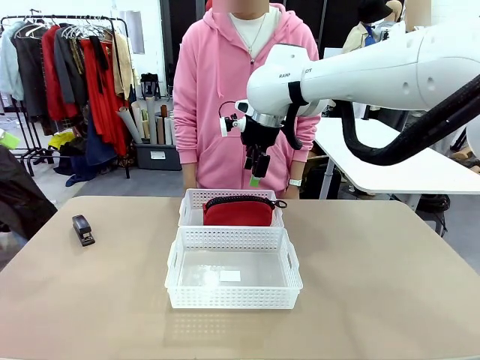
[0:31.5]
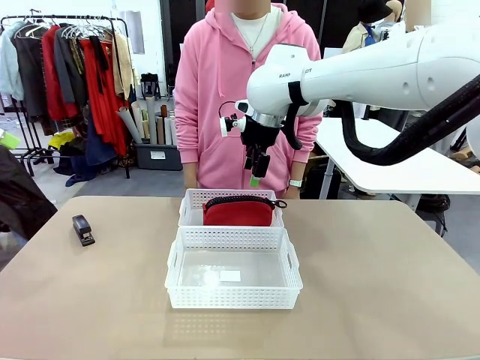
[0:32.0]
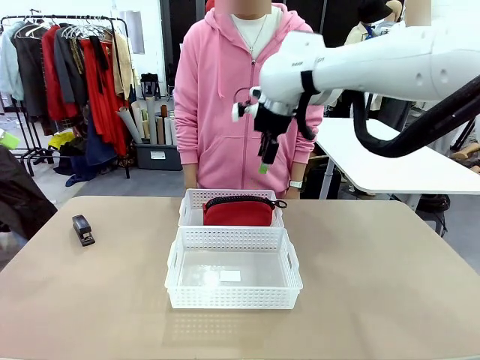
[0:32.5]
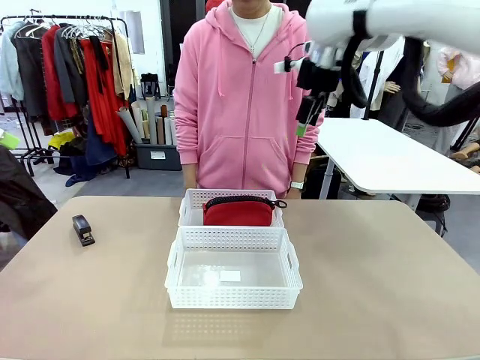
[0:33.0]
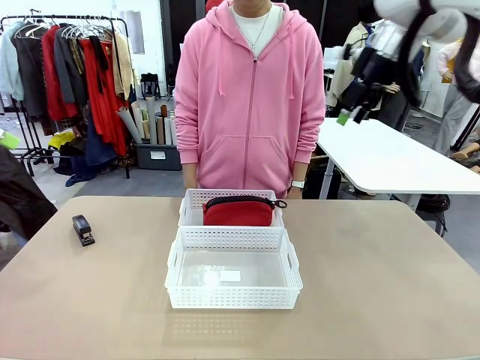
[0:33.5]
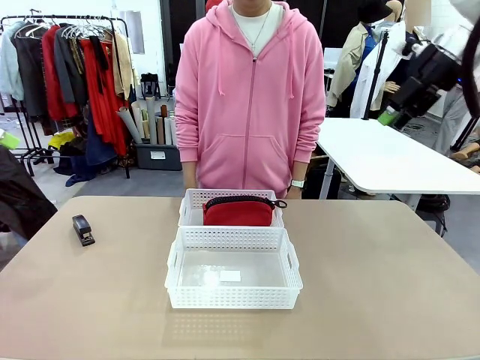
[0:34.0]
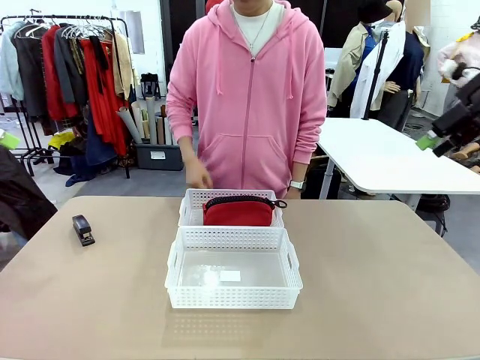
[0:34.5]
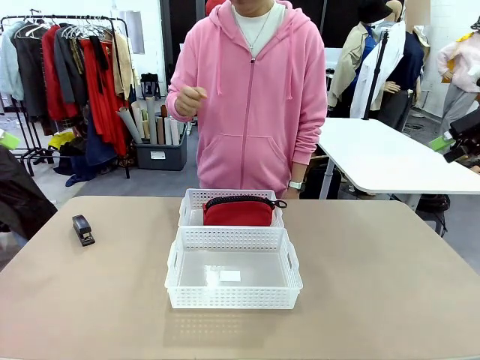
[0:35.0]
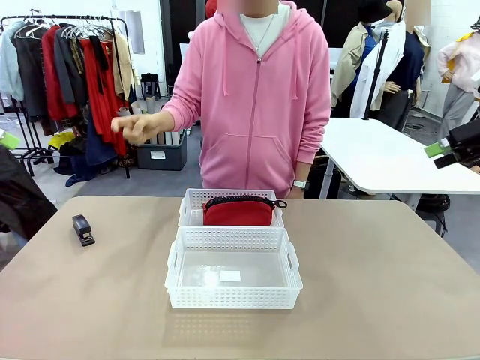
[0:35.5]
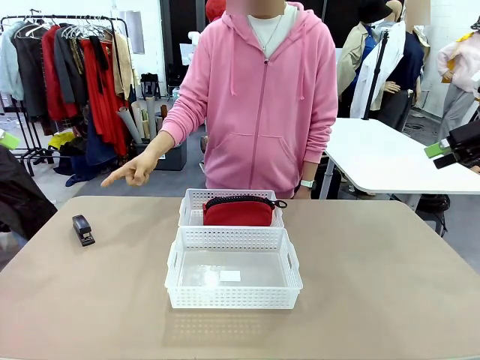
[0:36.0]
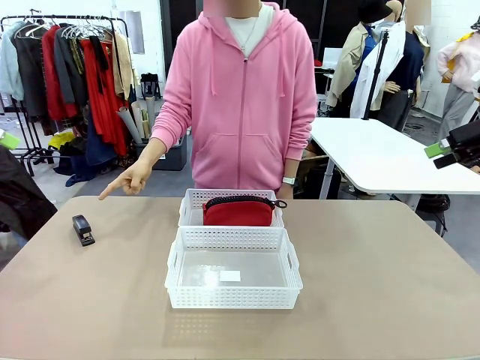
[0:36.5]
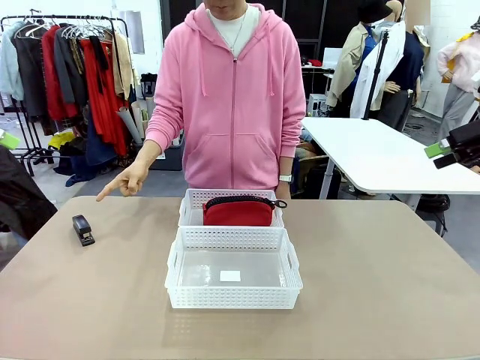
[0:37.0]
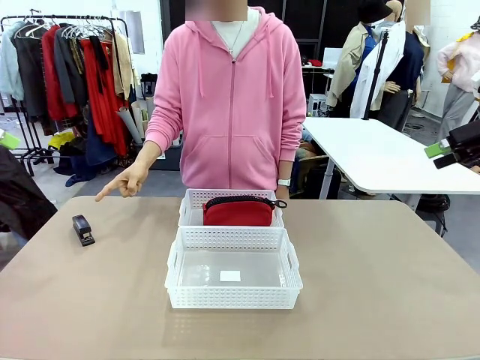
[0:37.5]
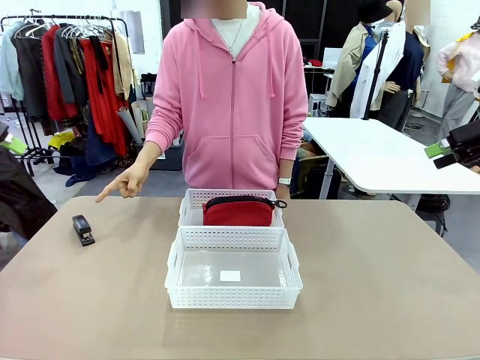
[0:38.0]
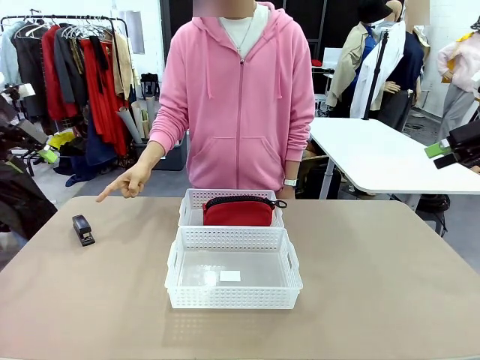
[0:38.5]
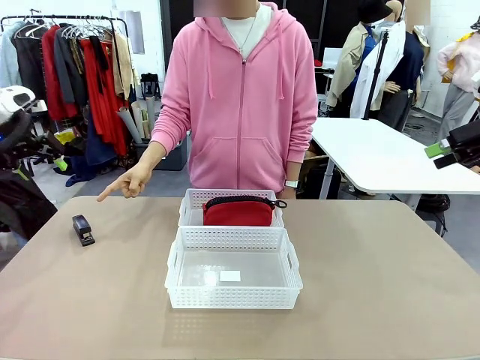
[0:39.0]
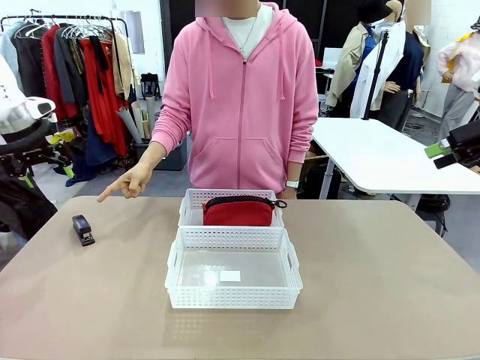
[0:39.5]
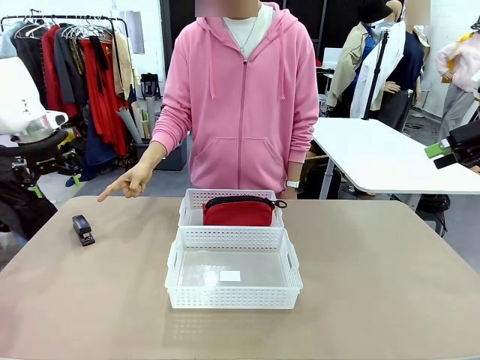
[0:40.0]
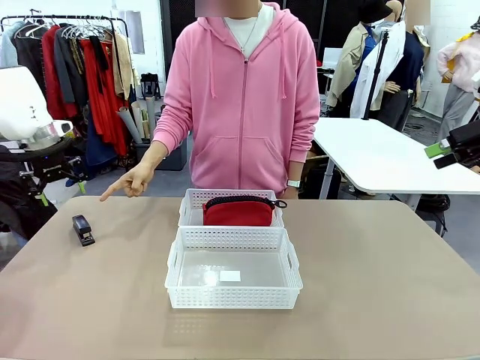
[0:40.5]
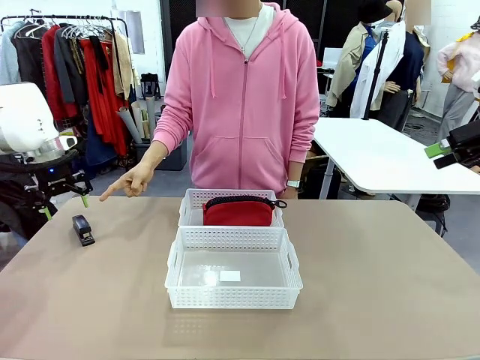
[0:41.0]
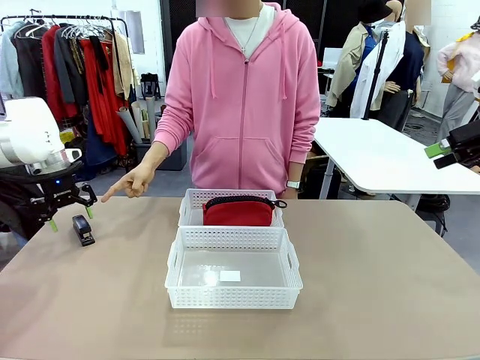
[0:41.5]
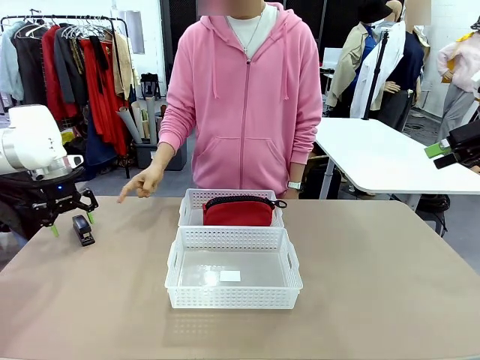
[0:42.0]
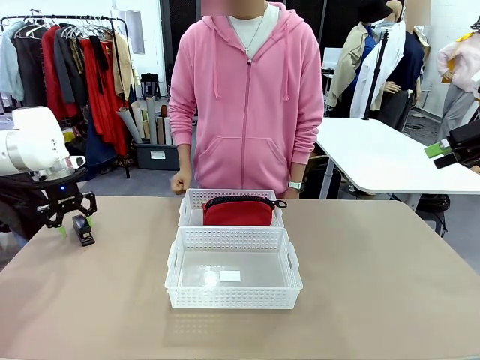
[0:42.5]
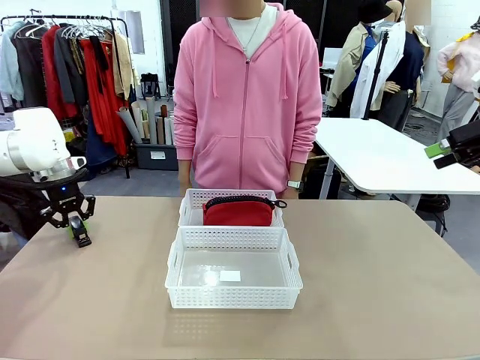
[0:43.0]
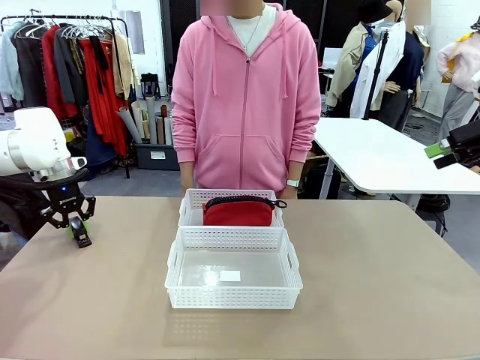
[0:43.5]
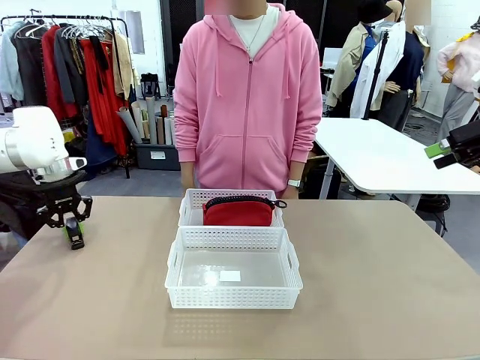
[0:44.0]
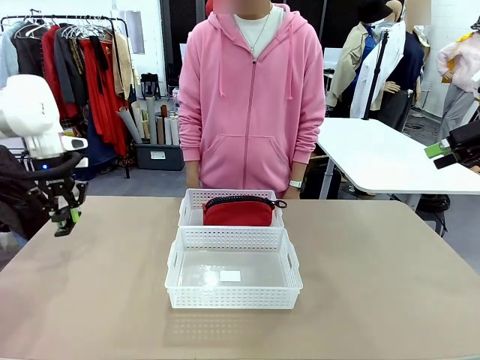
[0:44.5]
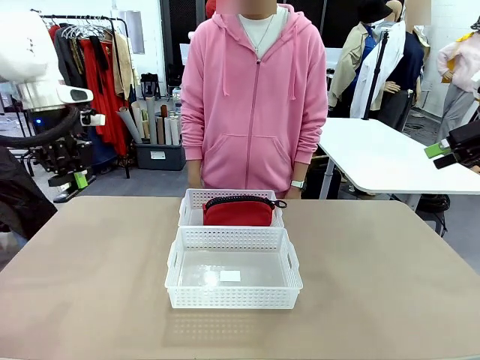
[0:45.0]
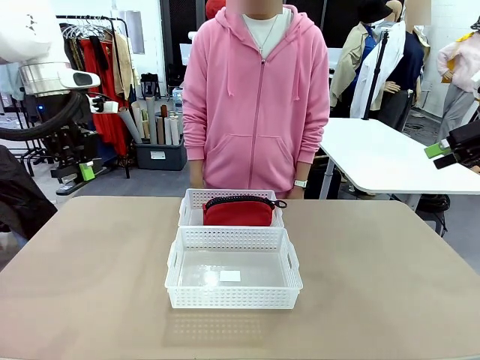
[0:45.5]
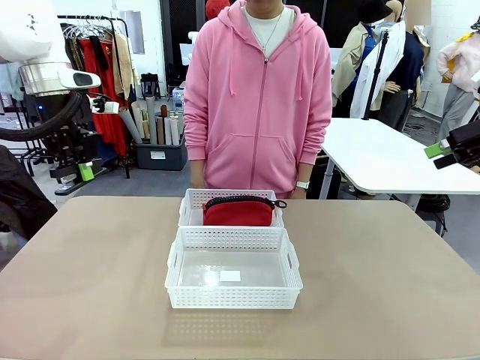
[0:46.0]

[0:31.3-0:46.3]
Task: Distribute items into two baskets.
Robot: Pick up the Stapler that the person points to.

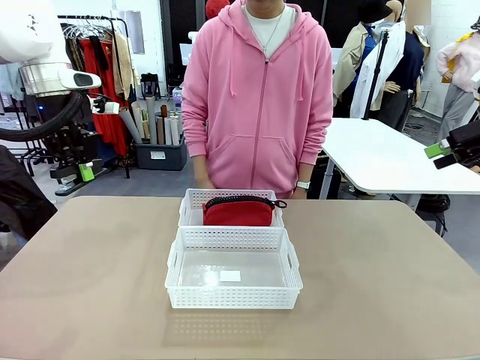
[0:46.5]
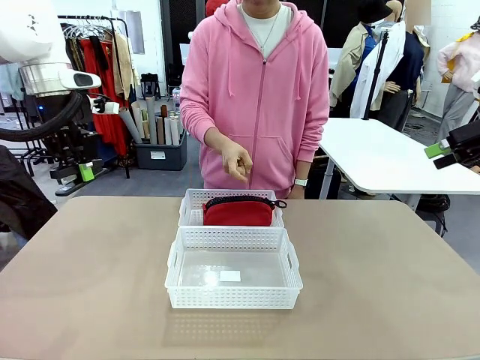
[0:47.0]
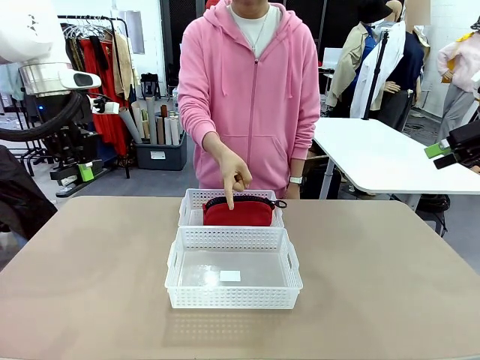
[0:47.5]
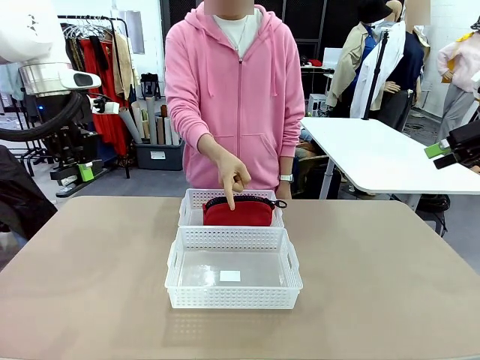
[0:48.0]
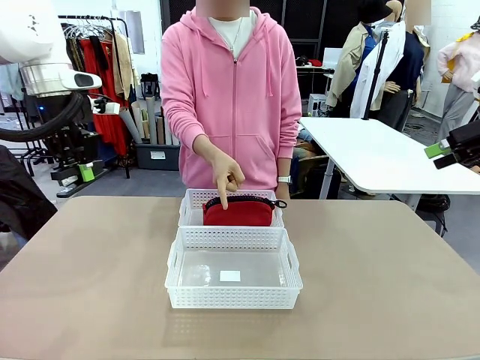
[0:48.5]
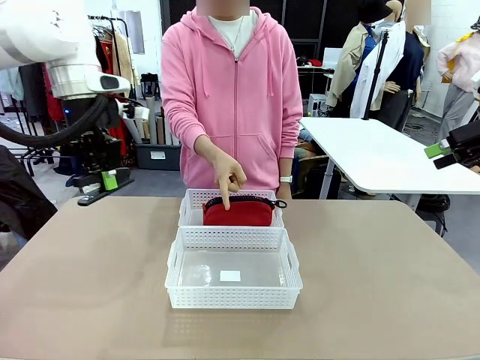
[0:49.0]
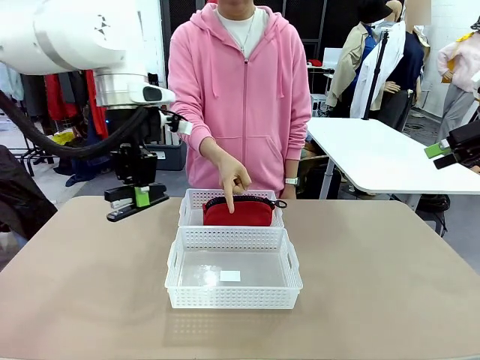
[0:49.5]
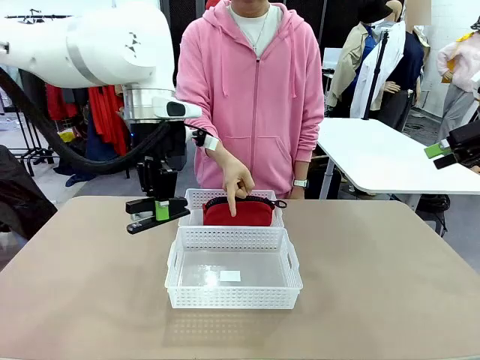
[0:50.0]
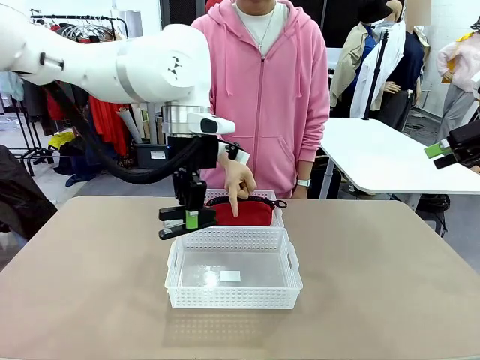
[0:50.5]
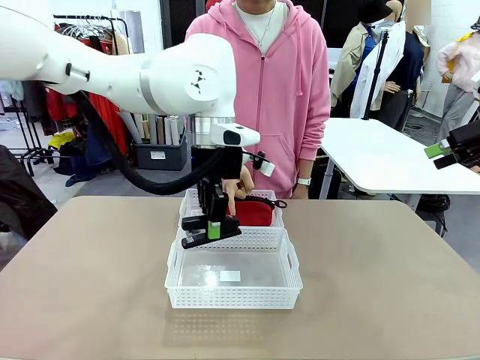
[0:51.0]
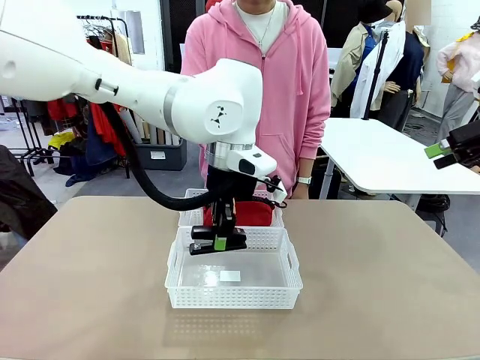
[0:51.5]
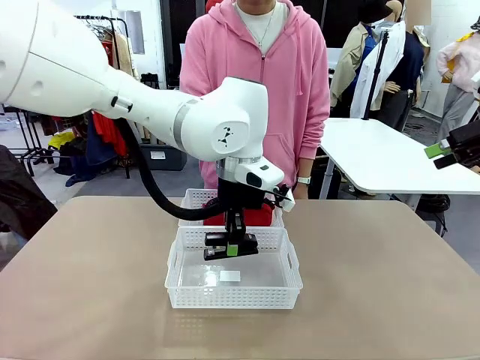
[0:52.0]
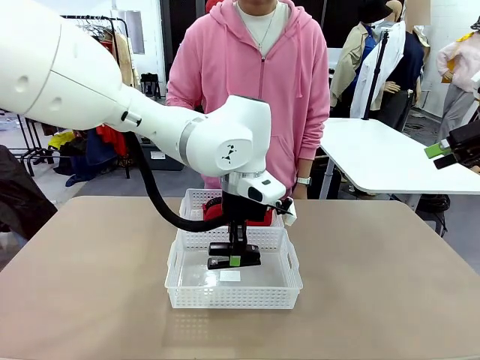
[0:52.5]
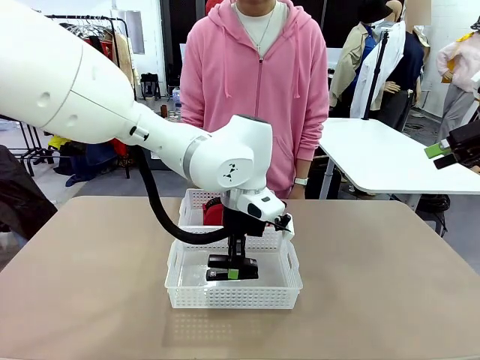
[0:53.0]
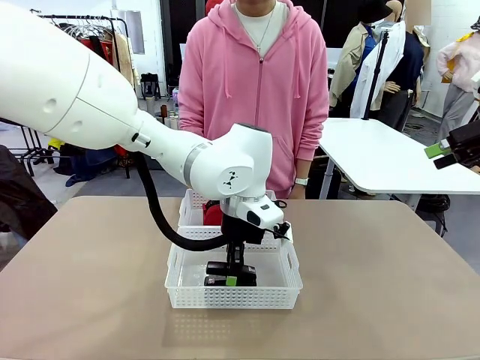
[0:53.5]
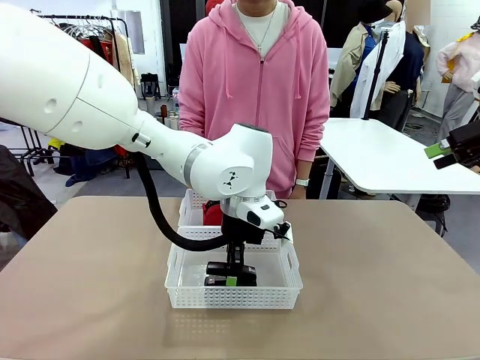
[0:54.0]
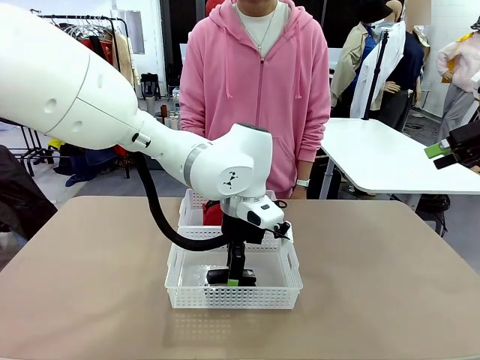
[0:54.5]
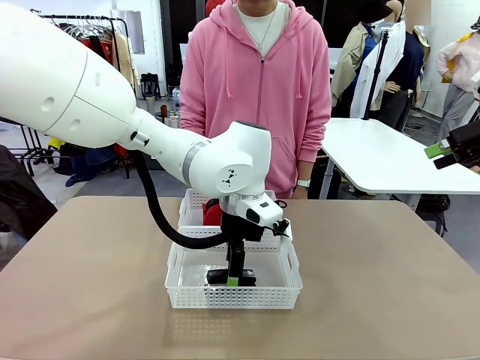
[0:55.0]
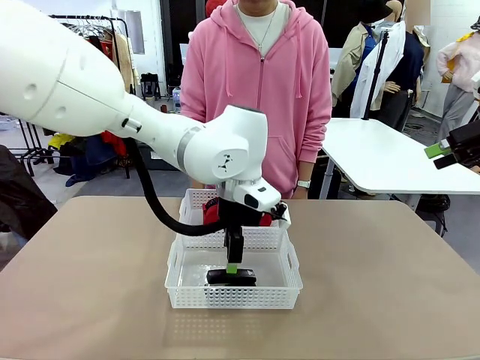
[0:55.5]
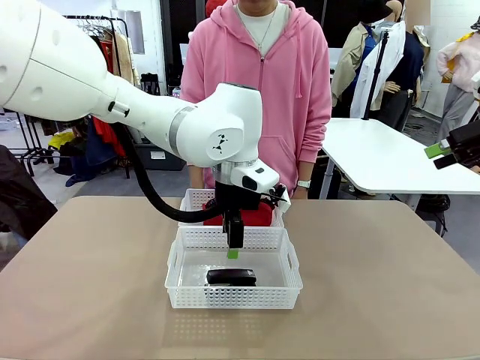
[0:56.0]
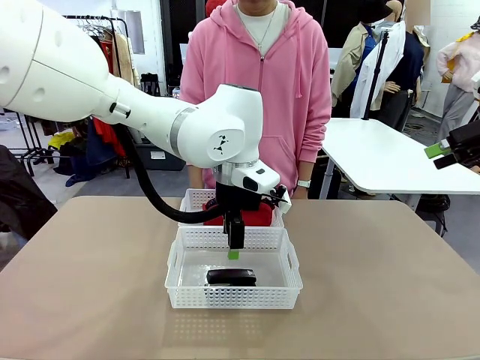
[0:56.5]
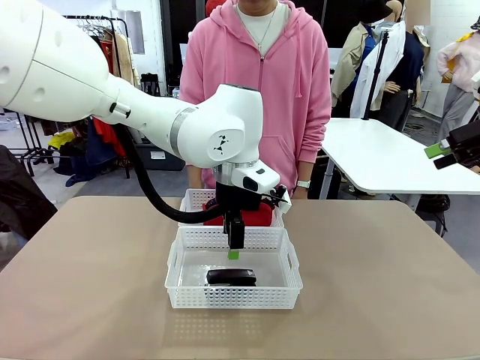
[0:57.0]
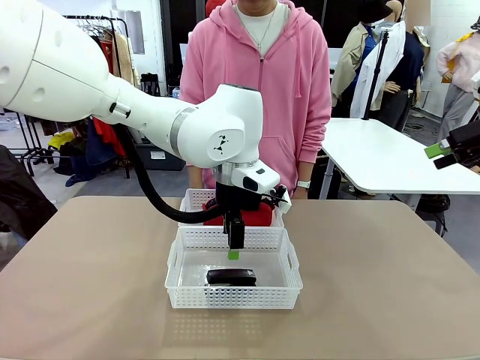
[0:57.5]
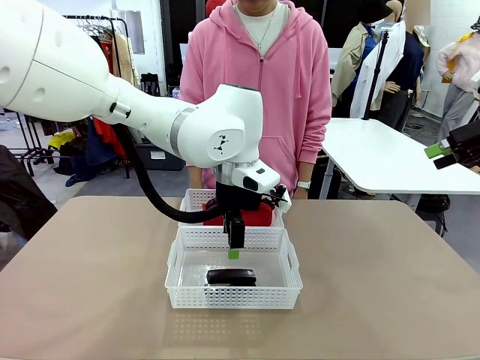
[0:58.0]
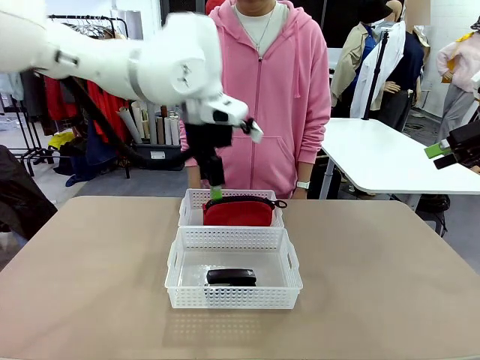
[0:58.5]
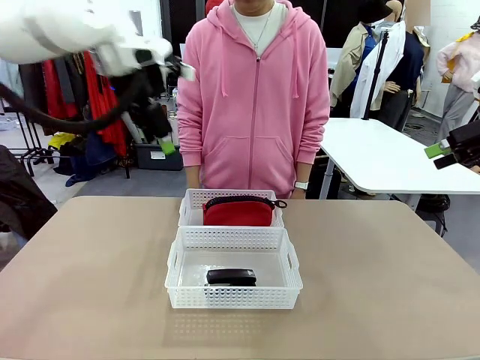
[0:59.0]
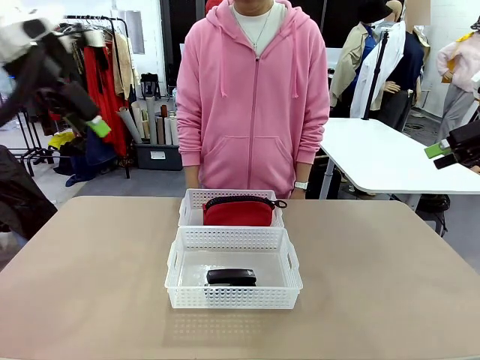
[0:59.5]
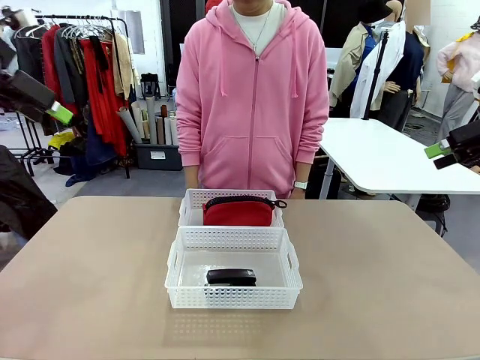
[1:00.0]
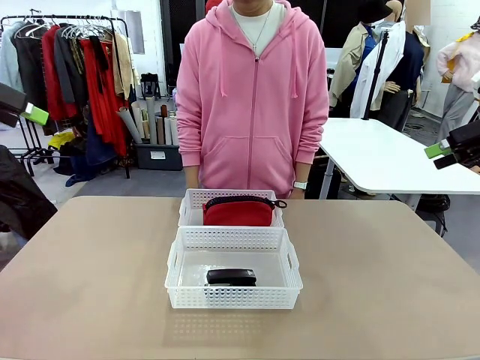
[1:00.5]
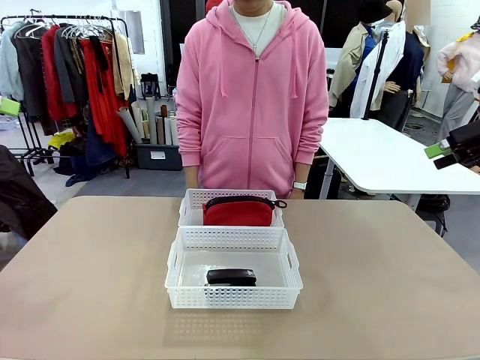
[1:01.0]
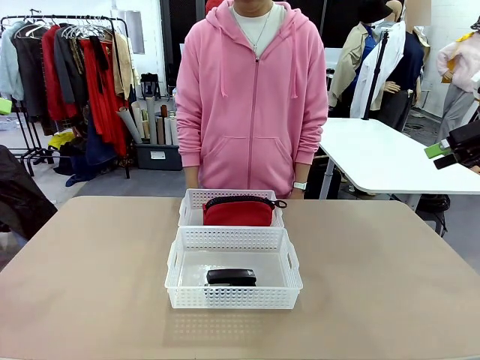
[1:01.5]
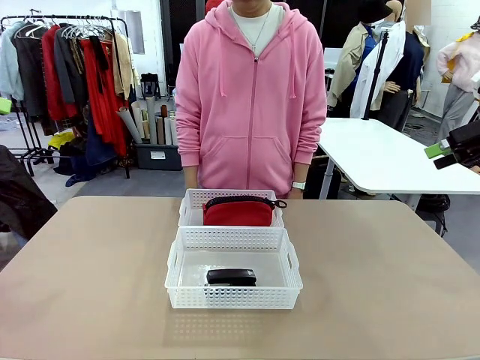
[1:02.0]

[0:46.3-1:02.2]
Robot: Place the picked Stapler into the Organizing basket as instructed by the person.
Person: Points to the basket that does not contain the pencil case and instructs the robot to move the stapler there.
